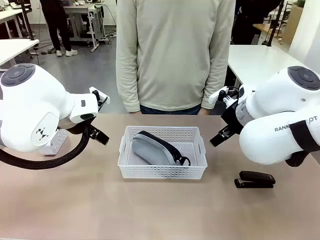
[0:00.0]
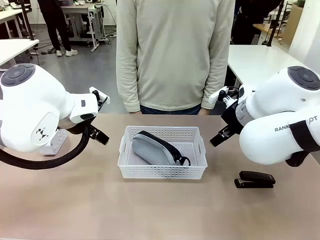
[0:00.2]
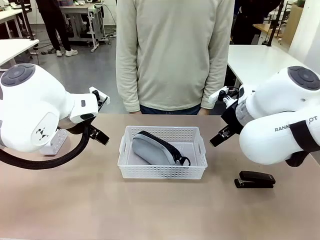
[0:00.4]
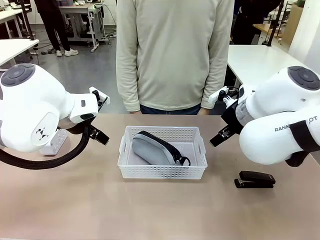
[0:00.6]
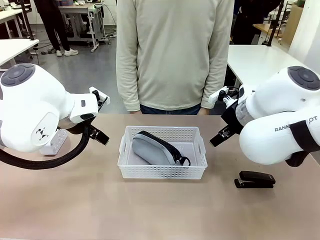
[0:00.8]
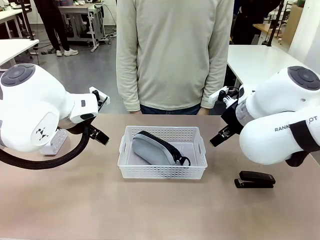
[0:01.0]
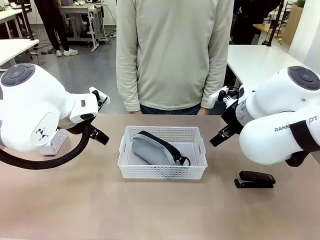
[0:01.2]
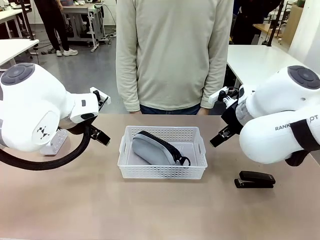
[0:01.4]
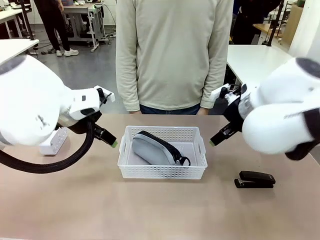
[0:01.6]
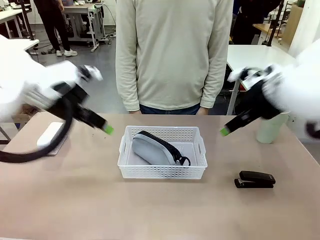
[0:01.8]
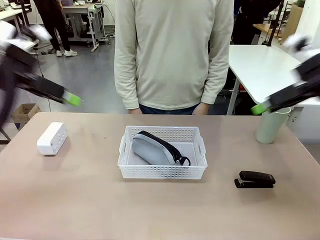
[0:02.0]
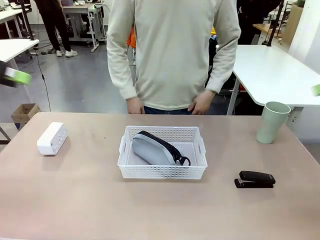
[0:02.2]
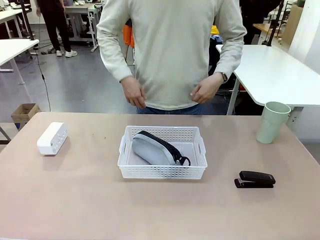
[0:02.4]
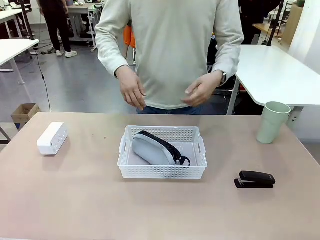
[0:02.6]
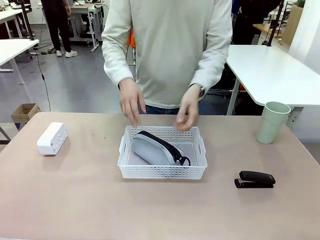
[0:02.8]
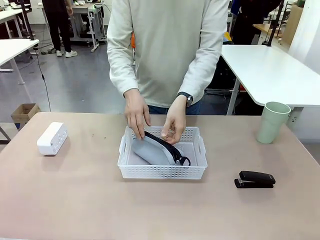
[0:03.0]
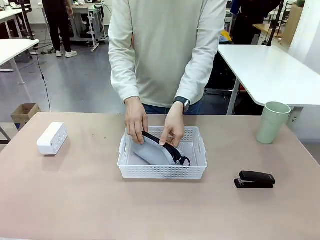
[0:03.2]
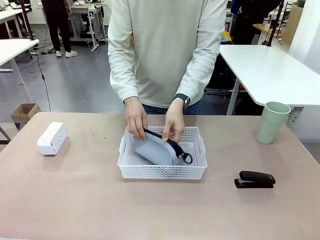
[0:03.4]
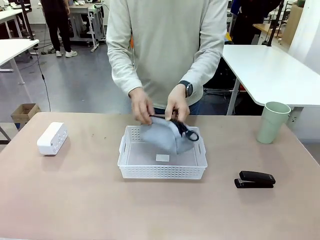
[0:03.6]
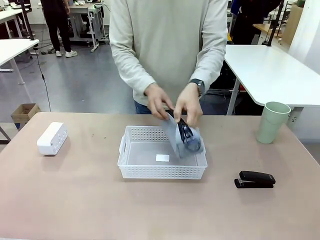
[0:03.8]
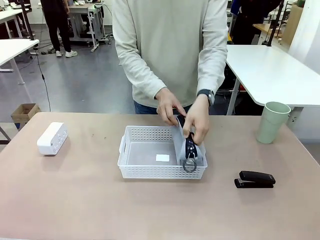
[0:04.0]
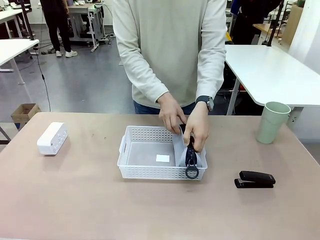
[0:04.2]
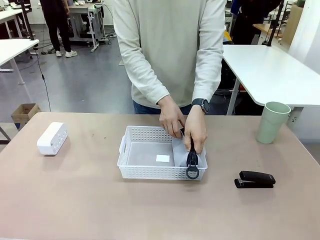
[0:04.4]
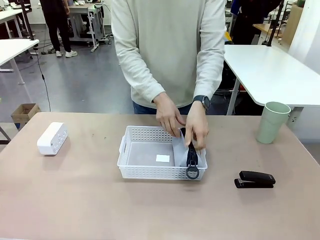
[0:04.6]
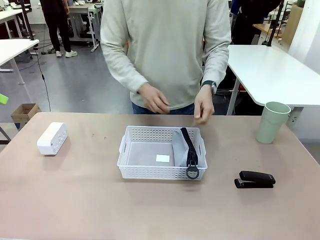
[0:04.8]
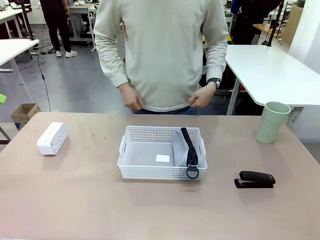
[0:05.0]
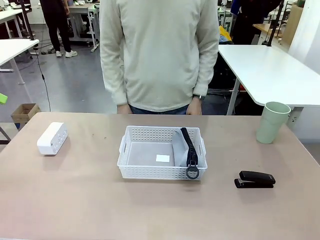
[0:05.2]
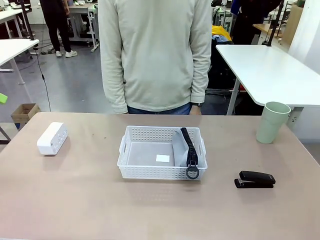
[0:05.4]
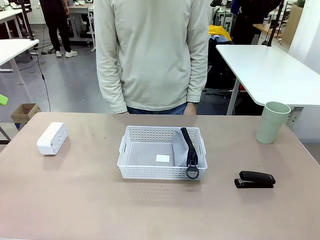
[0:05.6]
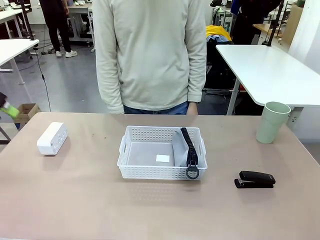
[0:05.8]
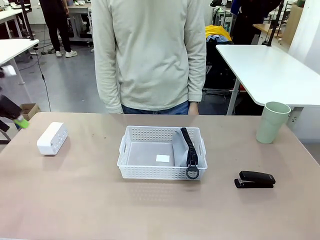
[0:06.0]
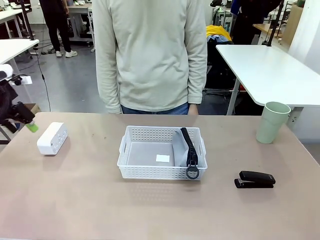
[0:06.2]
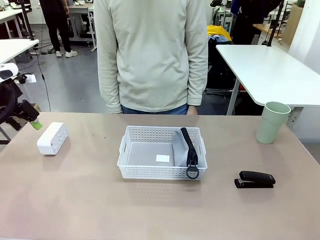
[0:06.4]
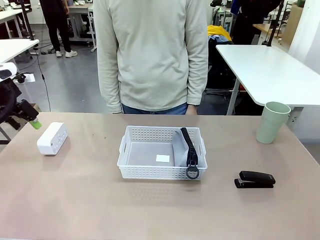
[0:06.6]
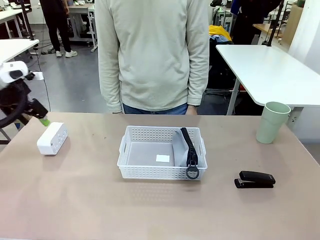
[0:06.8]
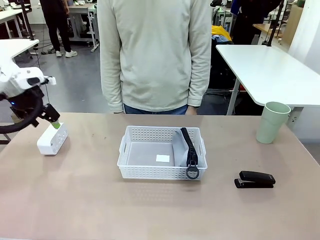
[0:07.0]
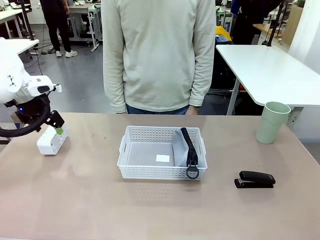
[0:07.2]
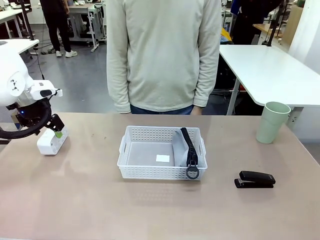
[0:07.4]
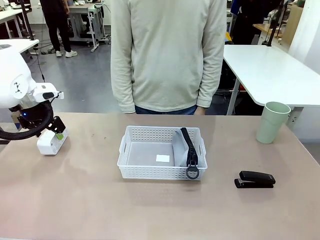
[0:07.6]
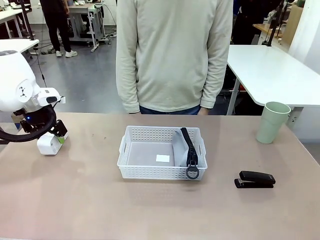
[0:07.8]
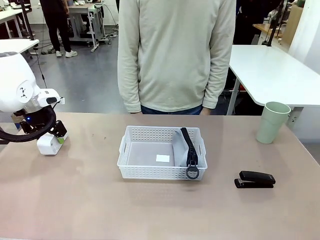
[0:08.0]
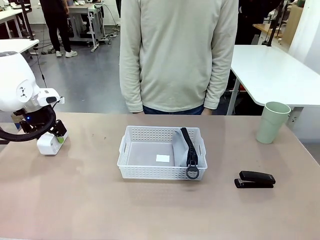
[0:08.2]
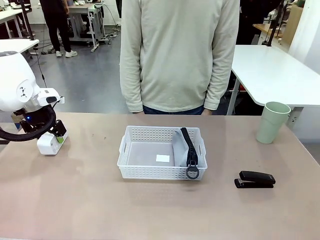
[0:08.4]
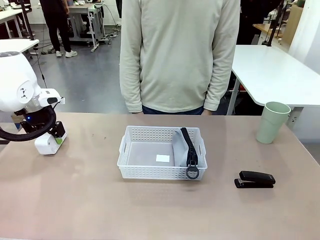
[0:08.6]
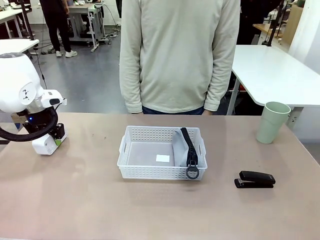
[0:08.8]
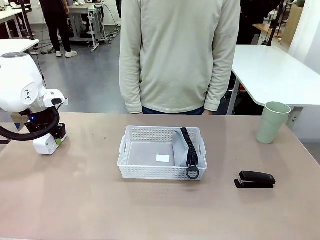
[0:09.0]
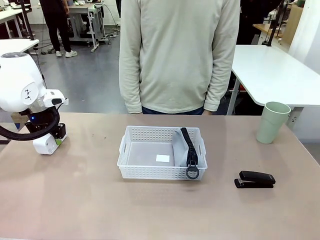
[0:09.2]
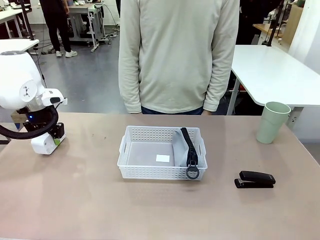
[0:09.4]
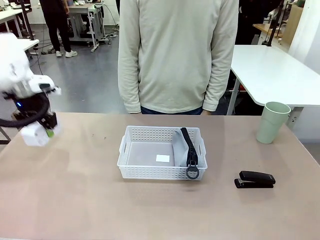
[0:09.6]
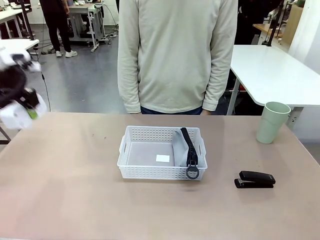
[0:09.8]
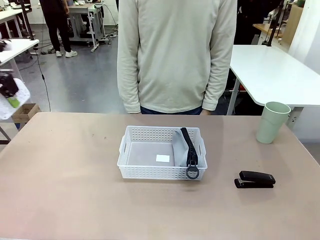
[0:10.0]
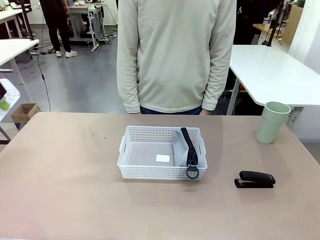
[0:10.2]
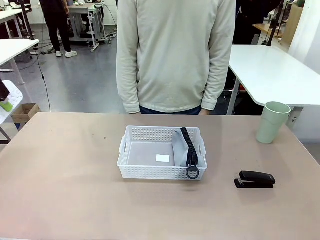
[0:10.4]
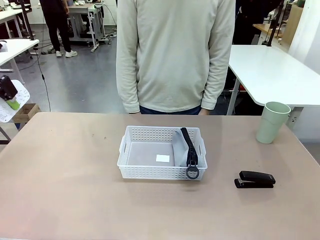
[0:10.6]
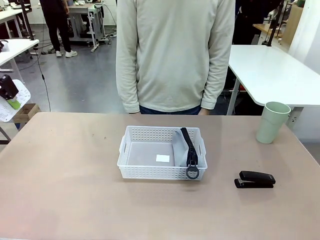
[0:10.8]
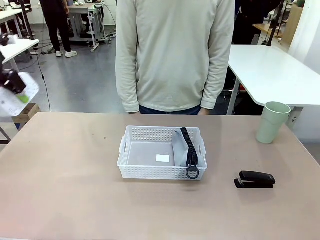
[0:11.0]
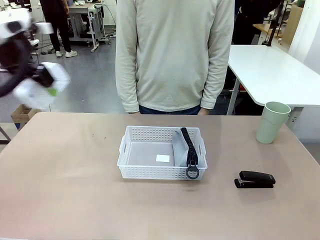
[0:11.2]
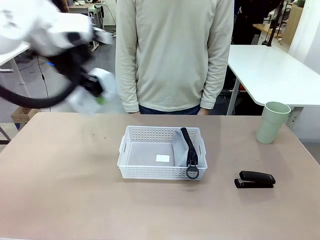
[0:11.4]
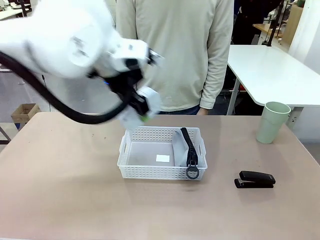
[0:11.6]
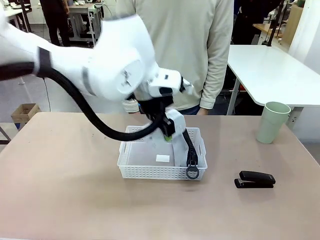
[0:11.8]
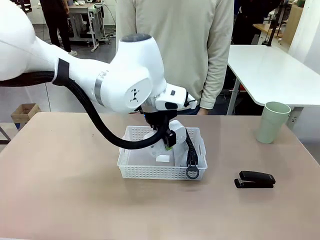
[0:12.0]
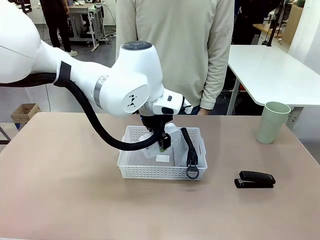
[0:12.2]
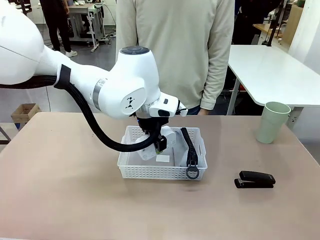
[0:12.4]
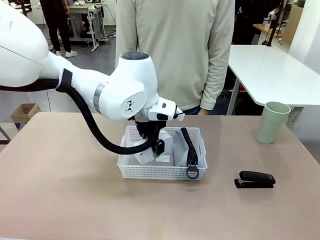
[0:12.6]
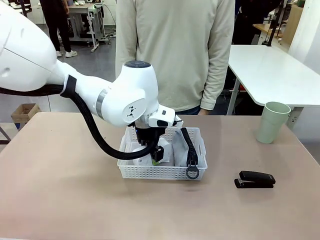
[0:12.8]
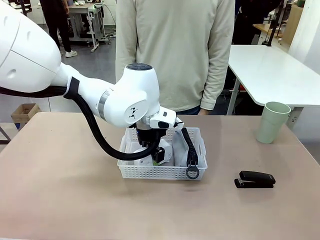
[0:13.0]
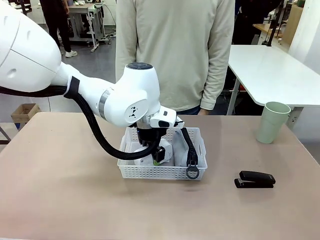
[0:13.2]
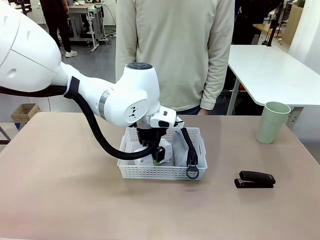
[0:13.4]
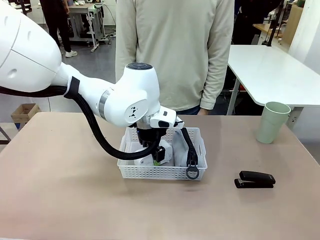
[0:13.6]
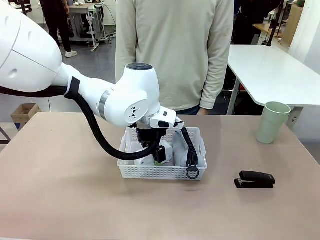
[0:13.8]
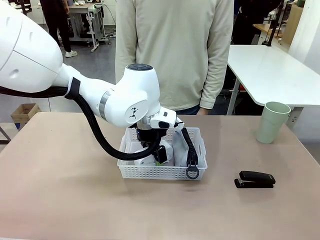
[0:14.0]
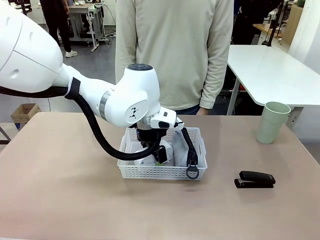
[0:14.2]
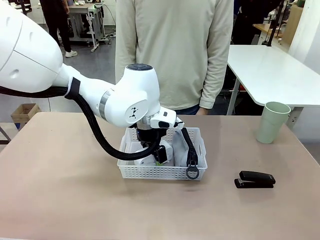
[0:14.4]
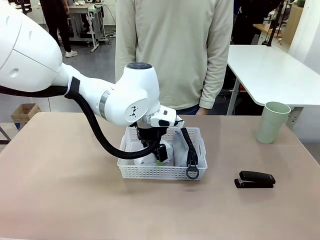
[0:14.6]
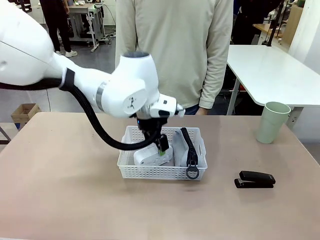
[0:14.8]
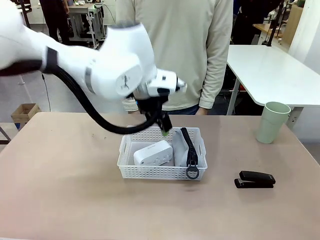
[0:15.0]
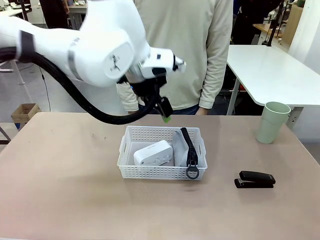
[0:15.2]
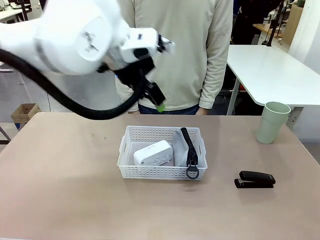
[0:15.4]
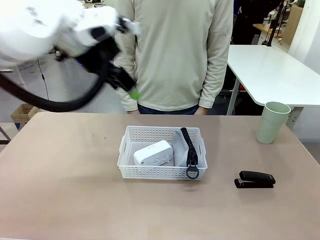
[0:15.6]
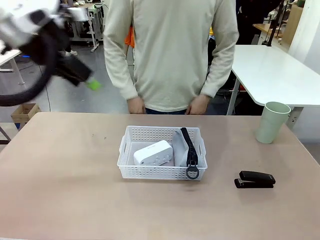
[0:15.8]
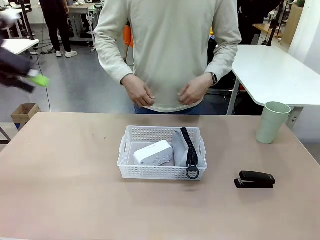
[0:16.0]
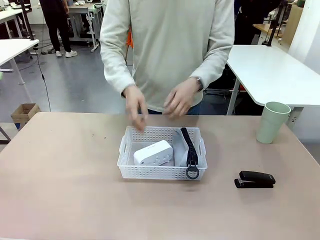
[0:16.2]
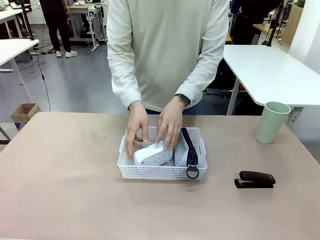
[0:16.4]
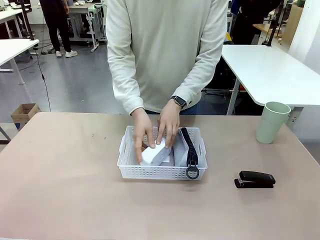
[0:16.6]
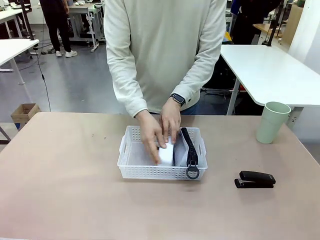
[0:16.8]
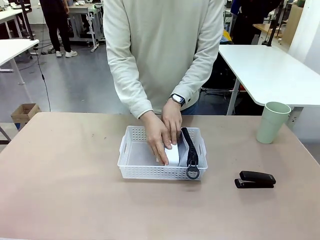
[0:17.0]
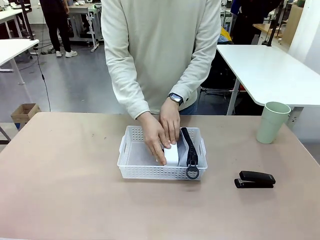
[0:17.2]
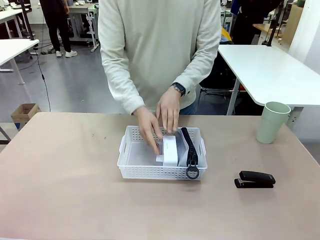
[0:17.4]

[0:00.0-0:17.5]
Task: Efficiently arrange items inside the basket to fit them all.
Robot: Pick up the Digital clock and place it inside the Organizing basket.
Person: Repositions the pencil case. Repositions the digital clock.
